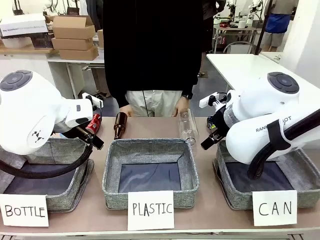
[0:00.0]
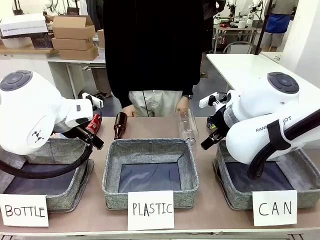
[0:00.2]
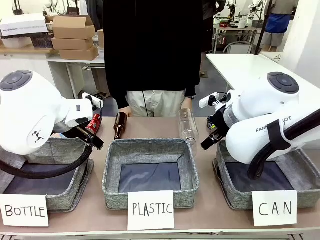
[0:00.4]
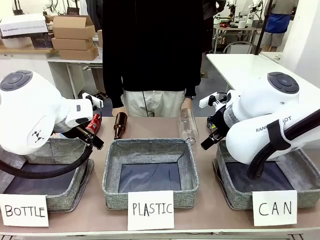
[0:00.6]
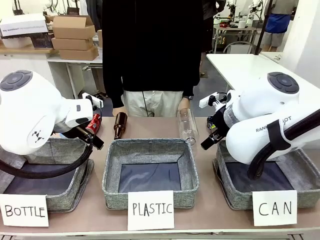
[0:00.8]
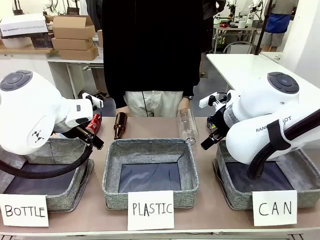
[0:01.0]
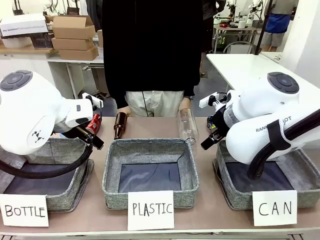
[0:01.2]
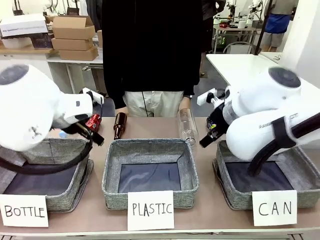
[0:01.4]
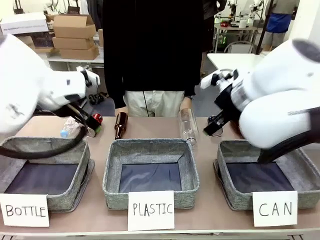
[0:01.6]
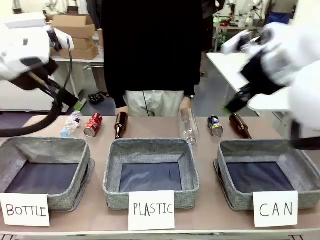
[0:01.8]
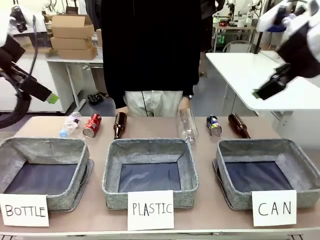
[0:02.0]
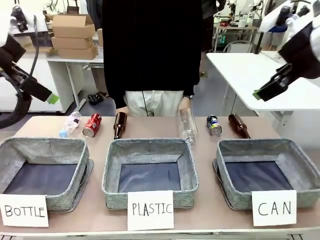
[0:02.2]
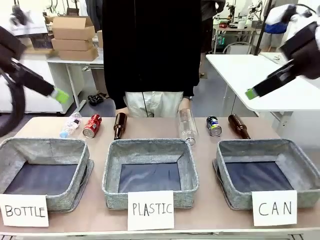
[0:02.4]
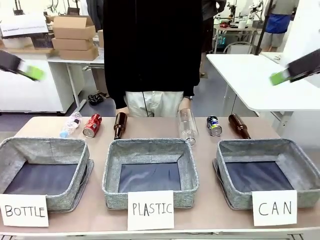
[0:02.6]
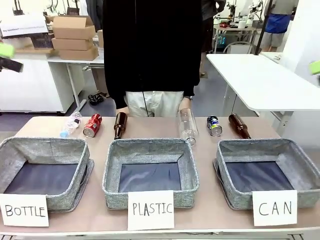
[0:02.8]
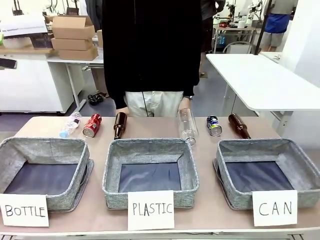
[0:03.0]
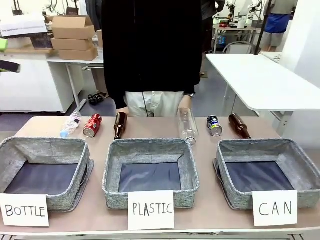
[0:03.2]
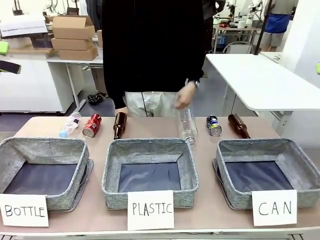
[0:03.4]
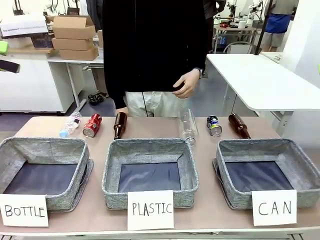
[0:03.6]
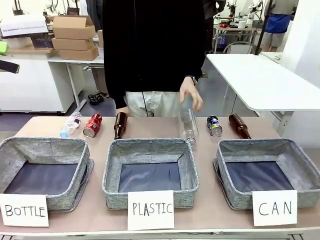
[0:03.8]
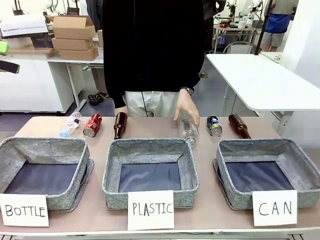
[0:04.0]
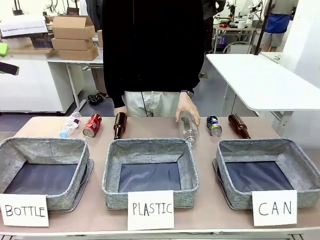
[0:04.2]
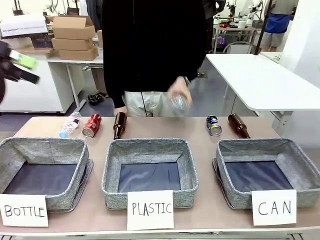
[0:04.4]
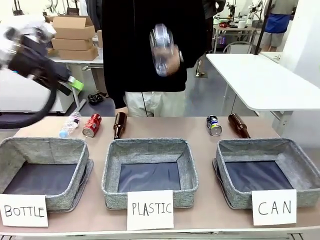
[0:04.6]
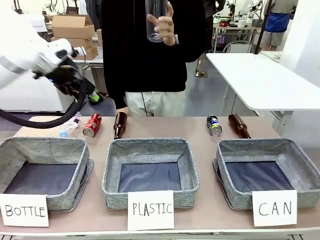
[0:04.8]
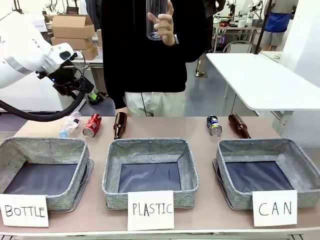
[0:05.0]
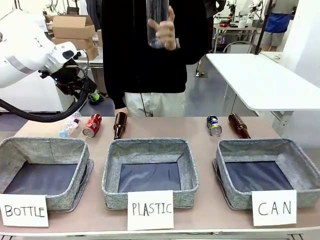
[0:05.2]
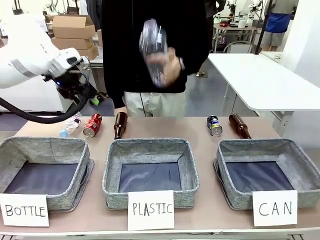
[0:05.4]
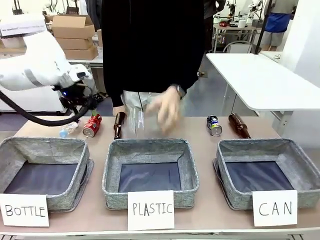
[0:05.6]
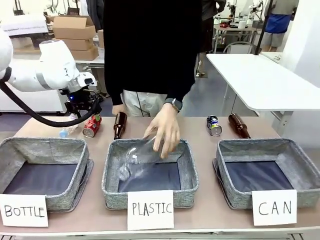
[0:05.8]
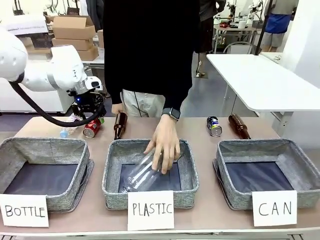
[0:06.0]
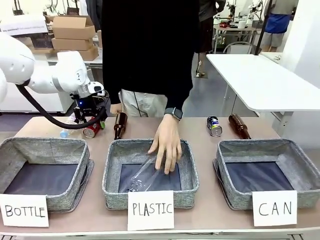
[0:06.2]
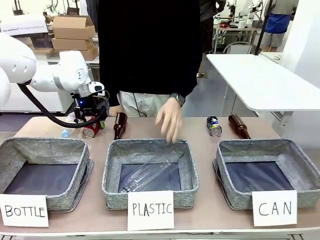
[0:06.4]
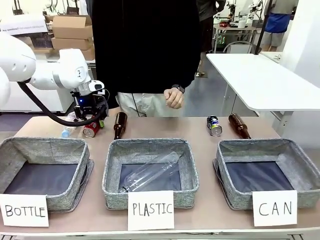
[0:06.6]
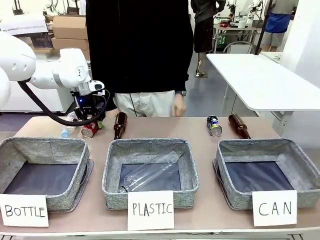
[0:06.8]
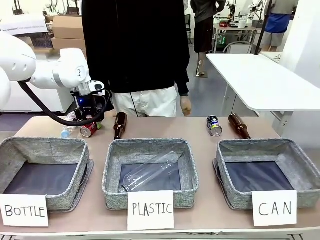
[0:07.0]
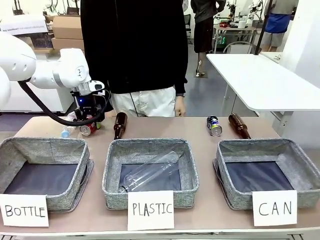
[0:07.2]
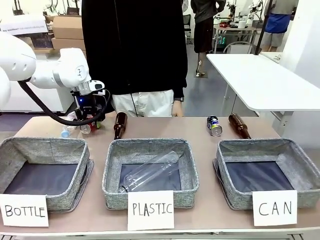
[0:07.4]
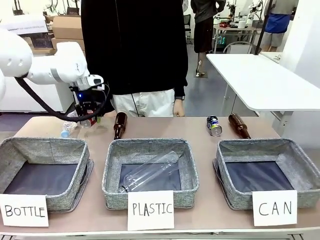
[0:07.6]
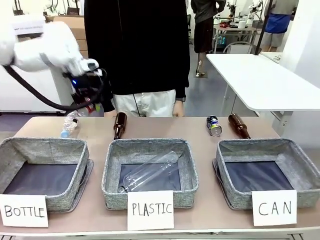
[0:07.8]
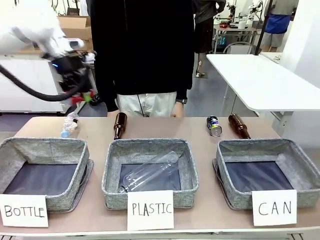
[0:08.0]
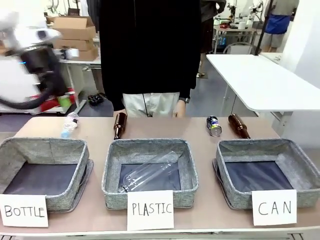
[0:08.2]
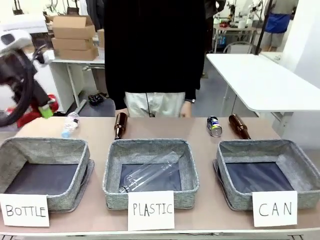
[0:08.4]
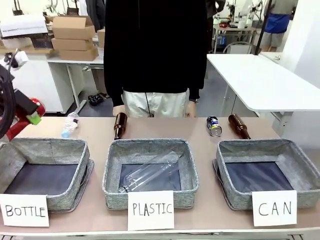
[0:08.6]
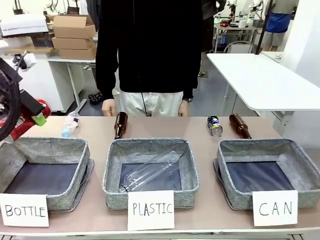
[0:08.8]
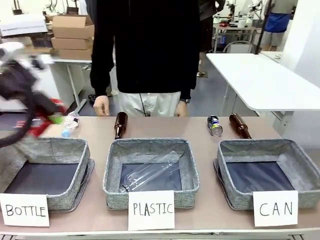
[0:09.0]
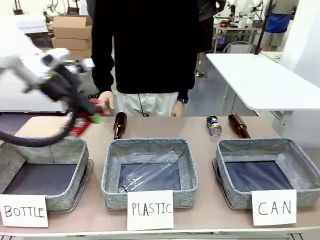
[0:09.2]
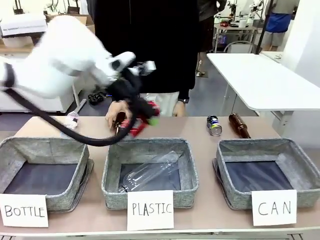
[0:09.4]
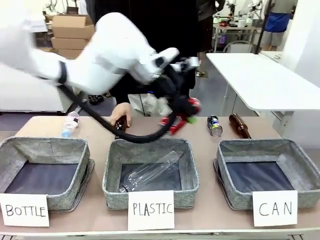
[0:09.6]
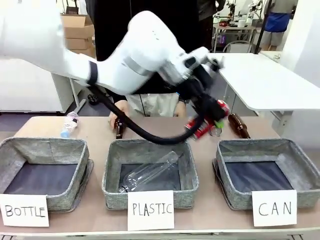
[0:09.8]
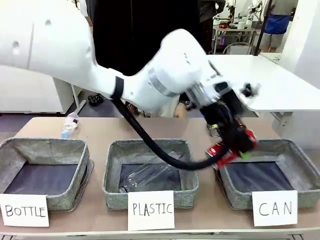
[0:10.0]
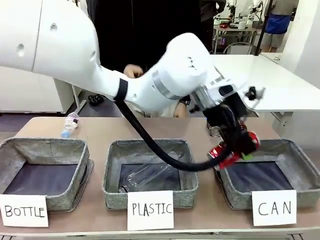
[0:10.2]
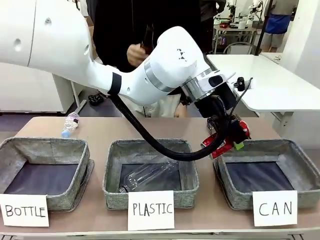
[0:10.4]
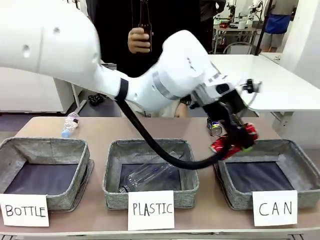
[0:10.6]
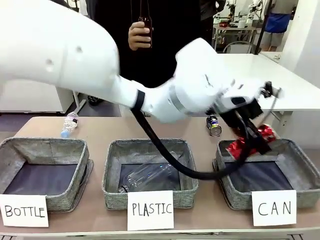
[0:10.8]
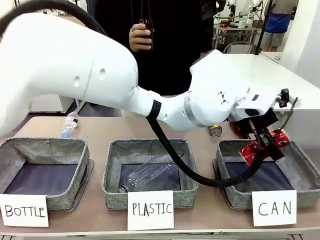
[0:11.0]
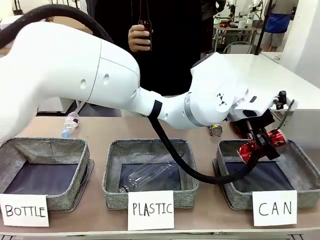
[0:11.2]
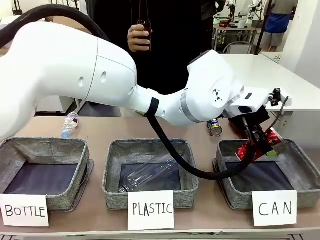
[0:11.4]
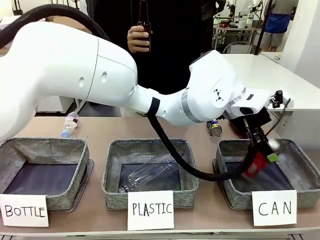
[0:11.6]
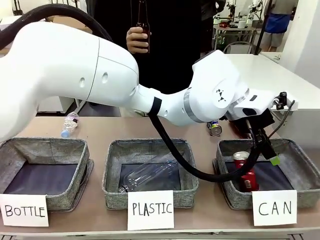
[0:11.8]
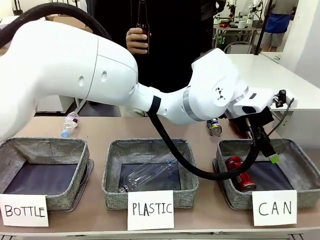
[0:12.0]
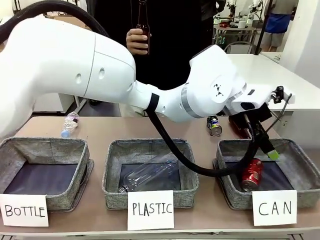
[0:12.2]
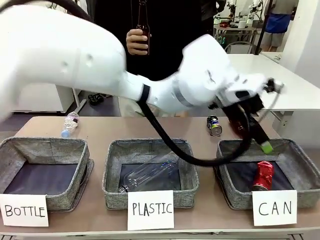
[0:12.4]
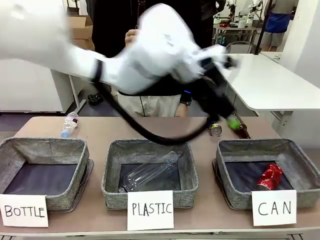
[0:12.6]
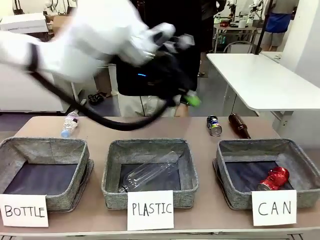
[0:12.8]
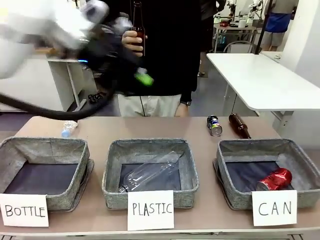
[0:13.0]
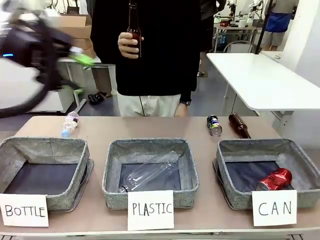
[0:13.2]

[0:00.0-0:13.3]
Task: Sort the can waste into the basket.
Robot: Pick up the can waste from the table and place it in the right Fabric basket.
